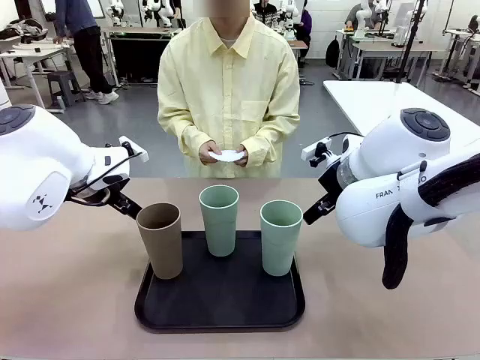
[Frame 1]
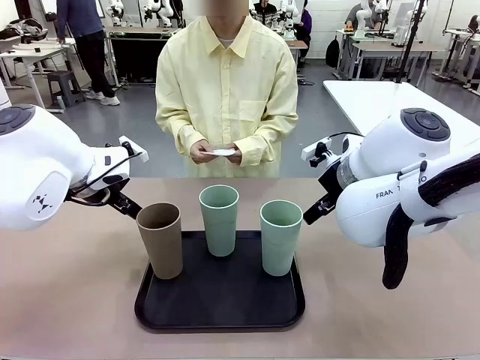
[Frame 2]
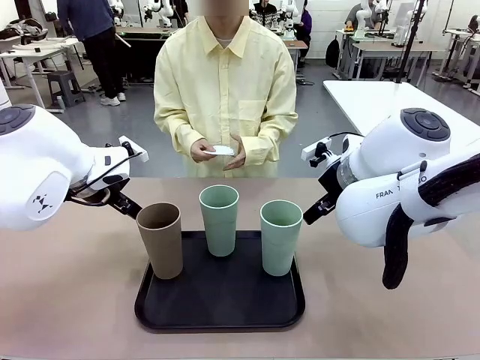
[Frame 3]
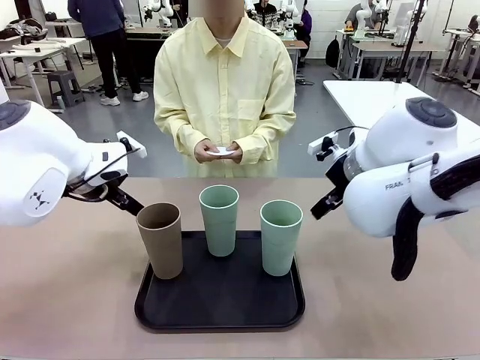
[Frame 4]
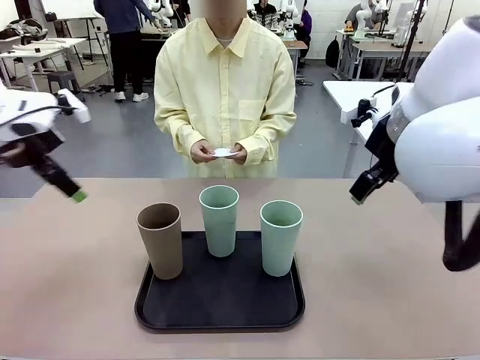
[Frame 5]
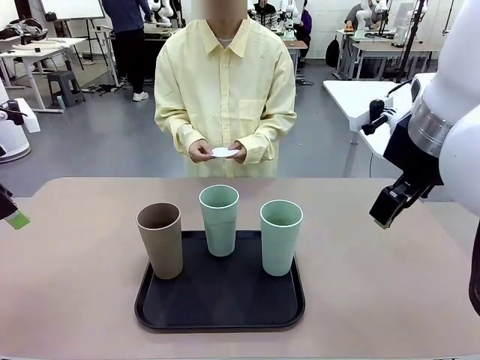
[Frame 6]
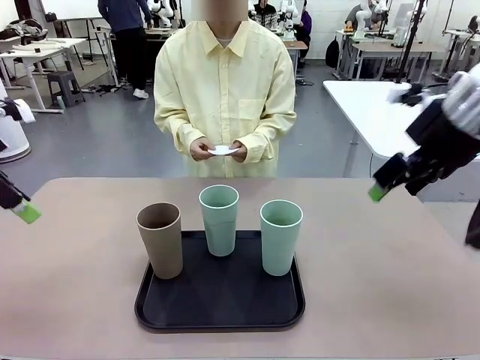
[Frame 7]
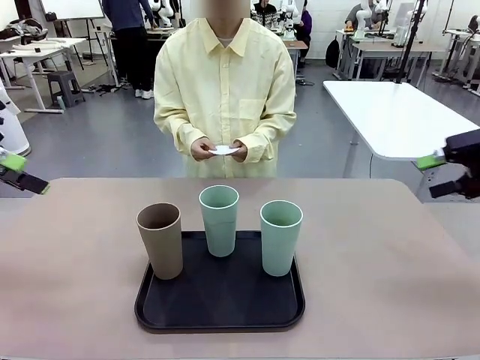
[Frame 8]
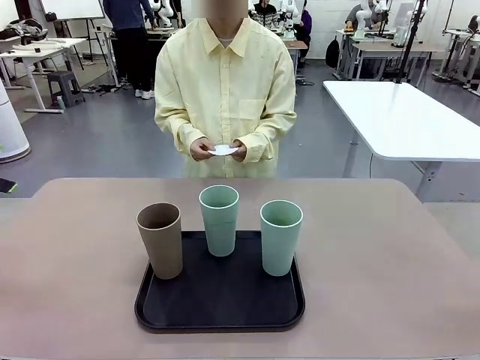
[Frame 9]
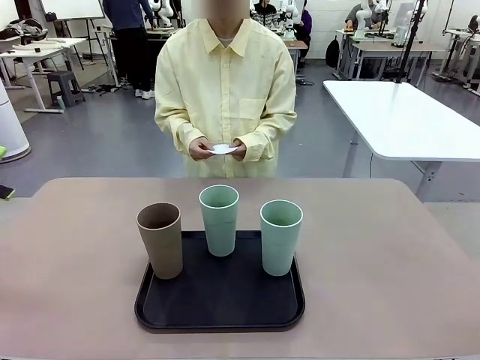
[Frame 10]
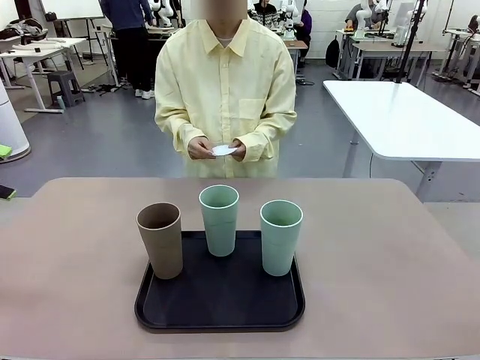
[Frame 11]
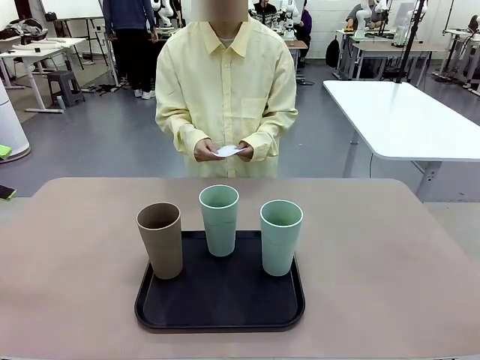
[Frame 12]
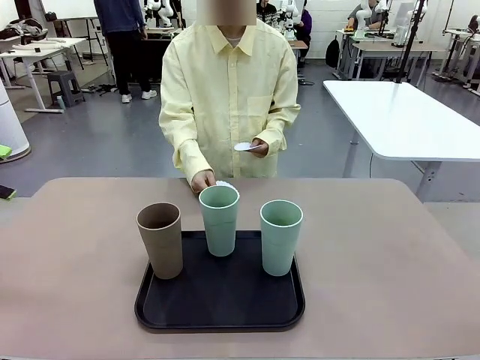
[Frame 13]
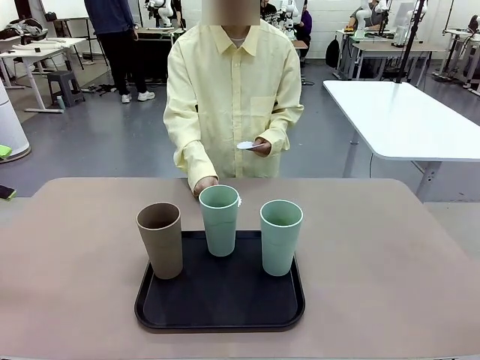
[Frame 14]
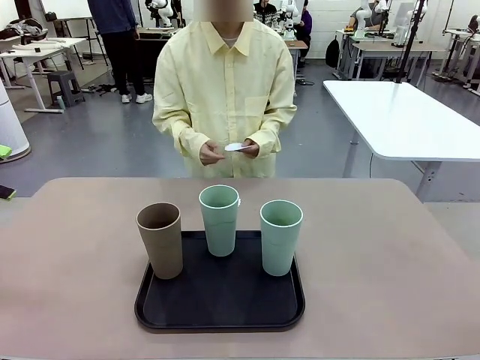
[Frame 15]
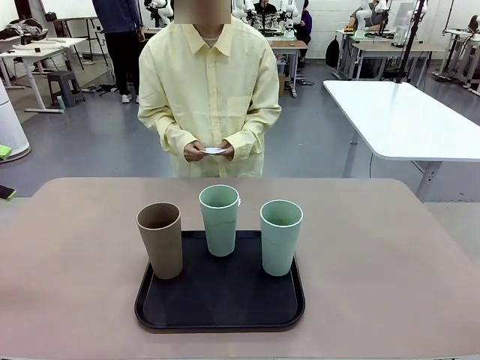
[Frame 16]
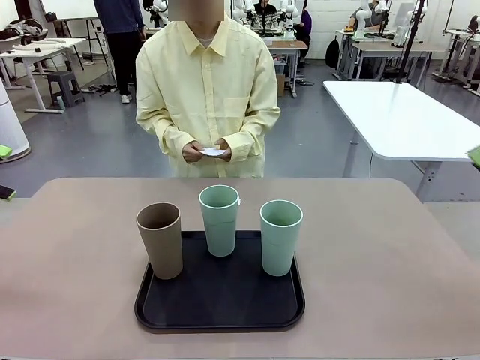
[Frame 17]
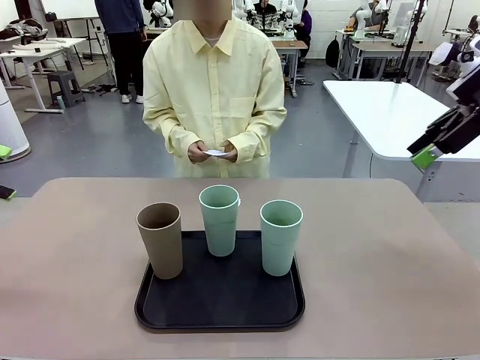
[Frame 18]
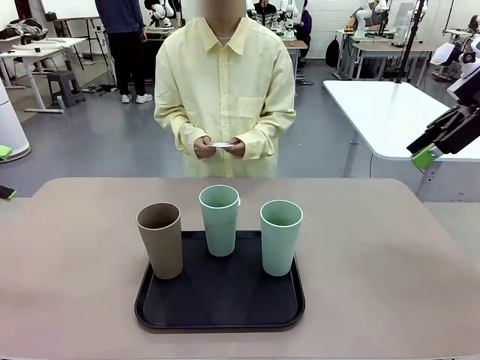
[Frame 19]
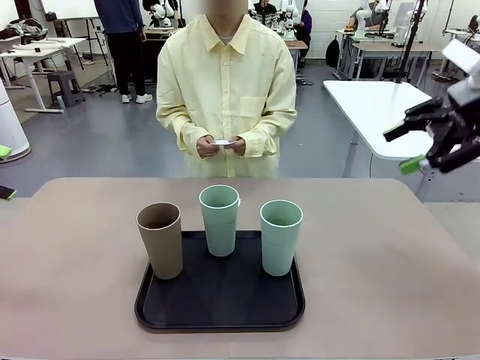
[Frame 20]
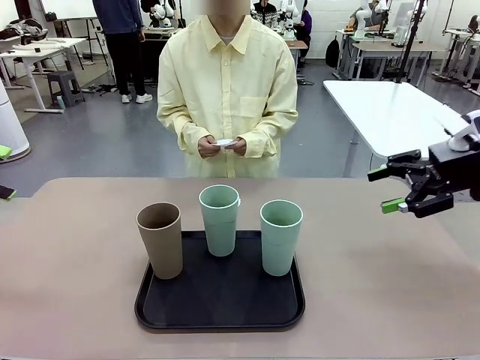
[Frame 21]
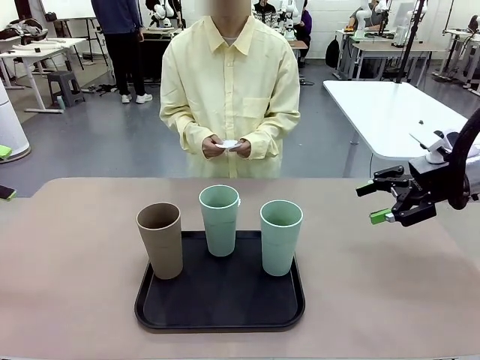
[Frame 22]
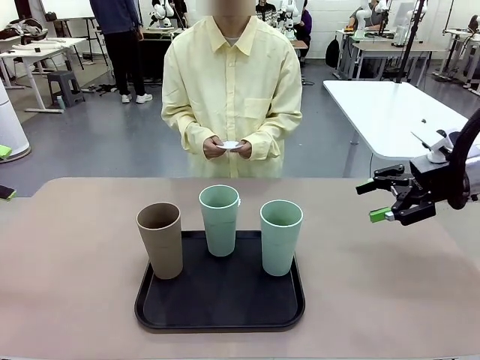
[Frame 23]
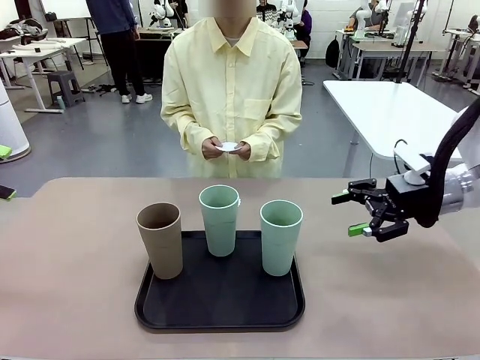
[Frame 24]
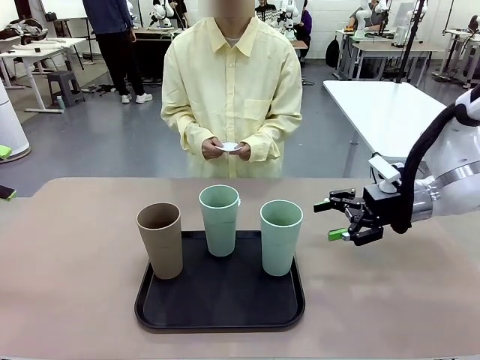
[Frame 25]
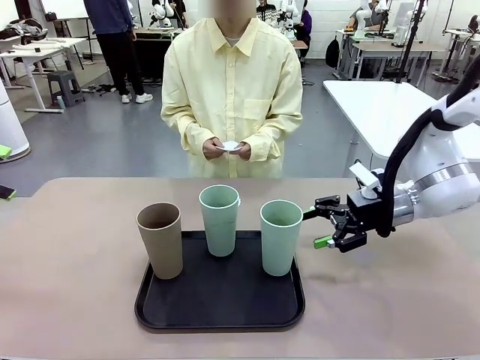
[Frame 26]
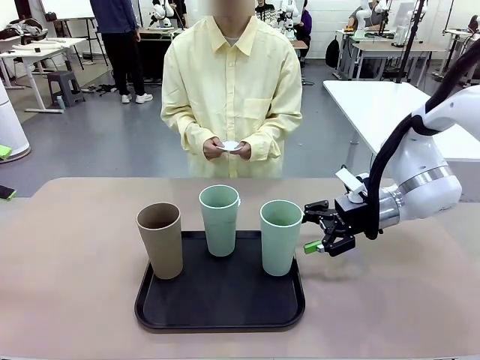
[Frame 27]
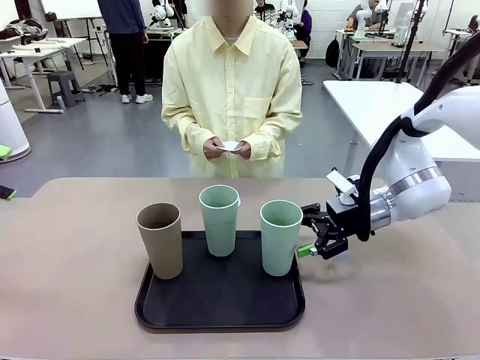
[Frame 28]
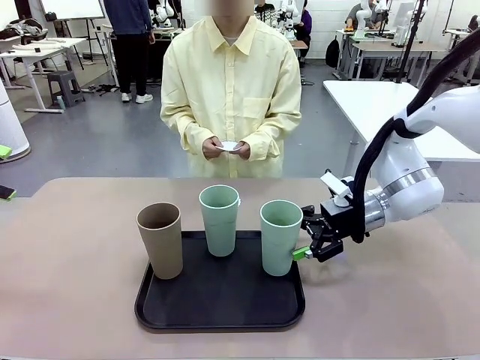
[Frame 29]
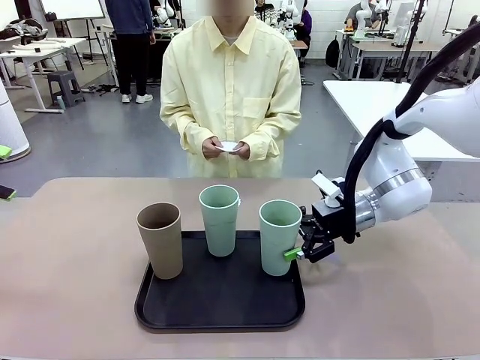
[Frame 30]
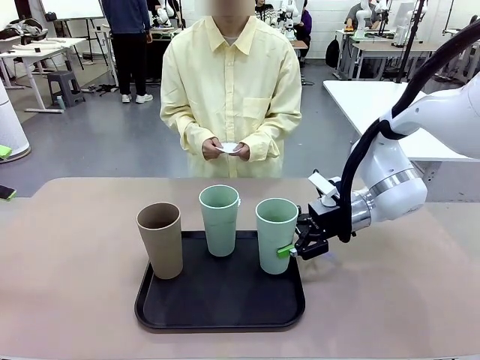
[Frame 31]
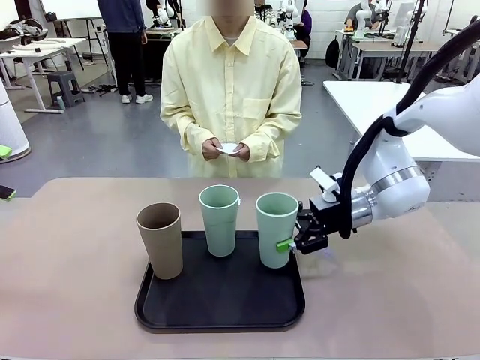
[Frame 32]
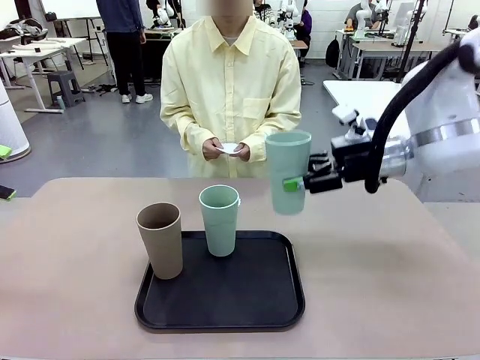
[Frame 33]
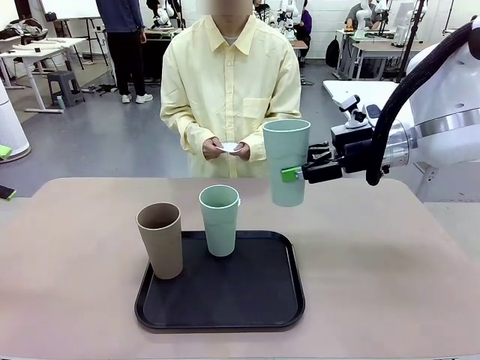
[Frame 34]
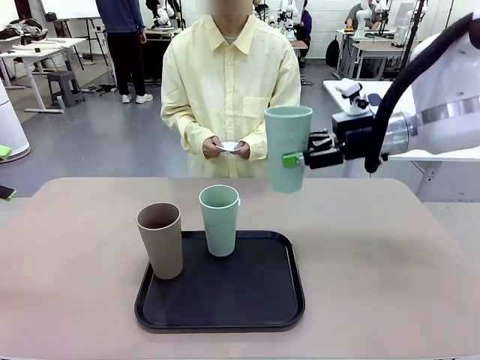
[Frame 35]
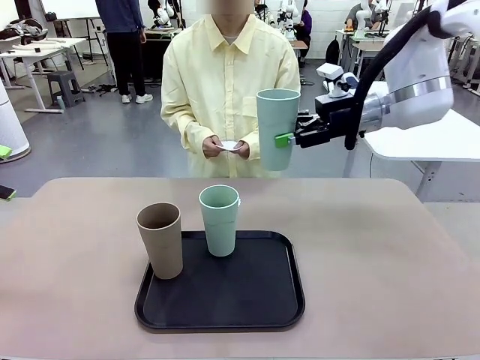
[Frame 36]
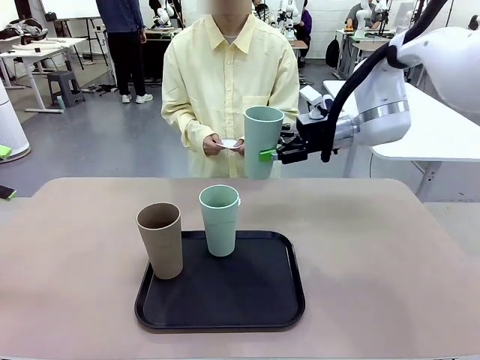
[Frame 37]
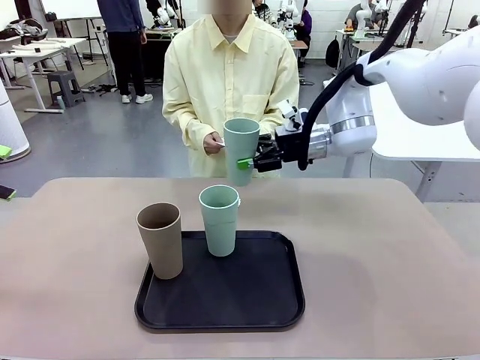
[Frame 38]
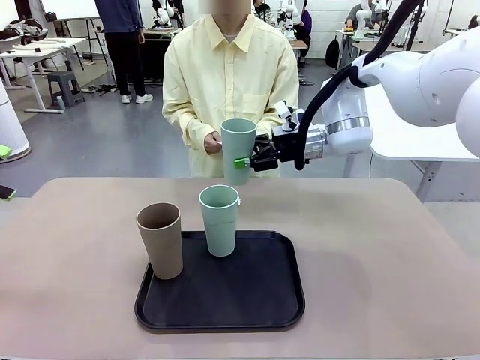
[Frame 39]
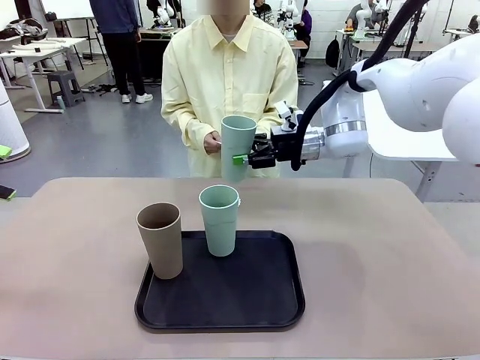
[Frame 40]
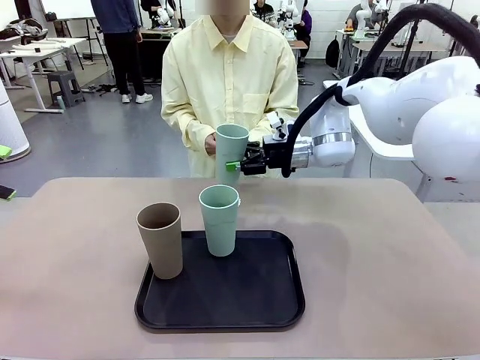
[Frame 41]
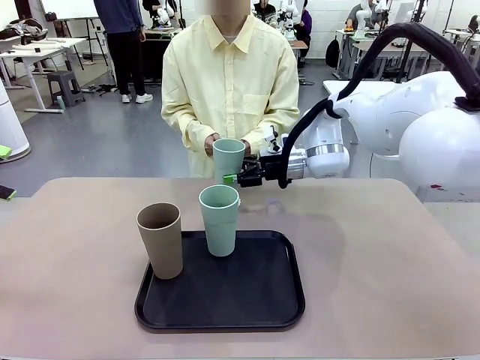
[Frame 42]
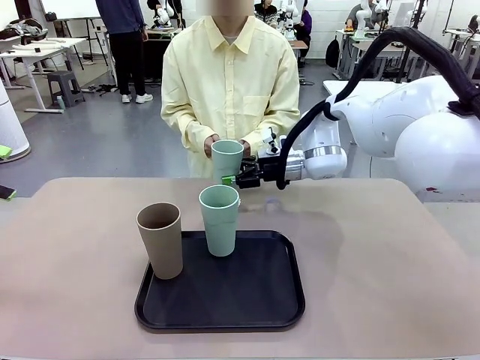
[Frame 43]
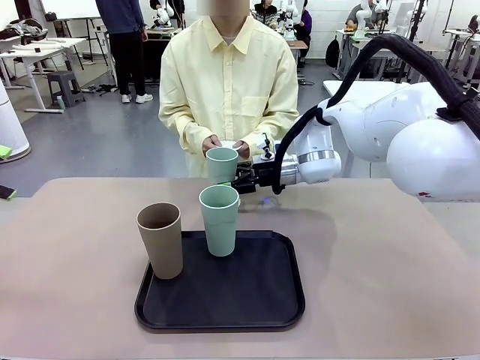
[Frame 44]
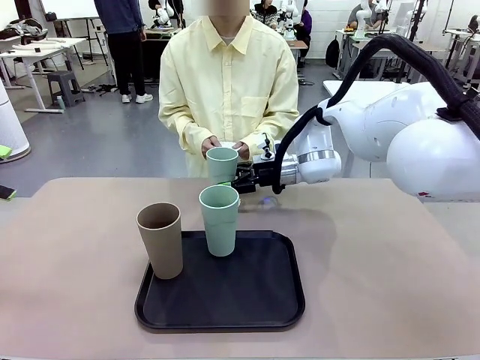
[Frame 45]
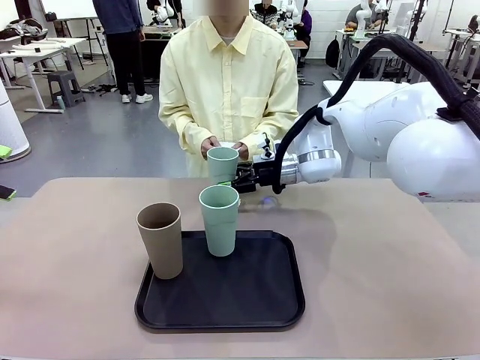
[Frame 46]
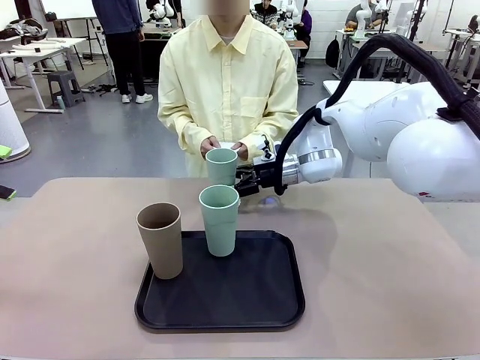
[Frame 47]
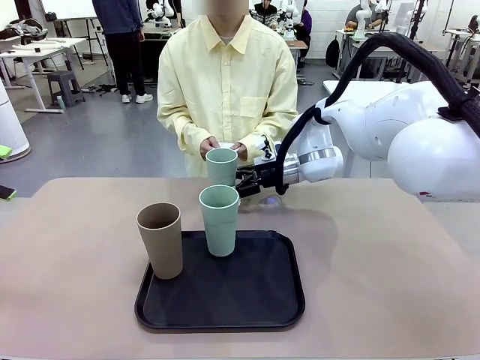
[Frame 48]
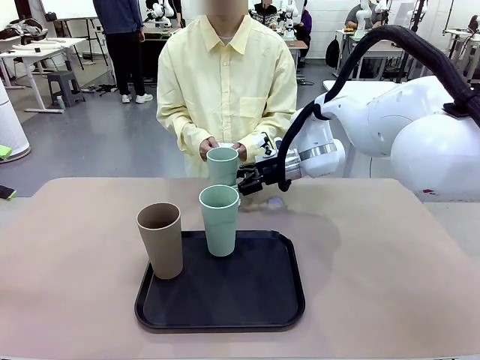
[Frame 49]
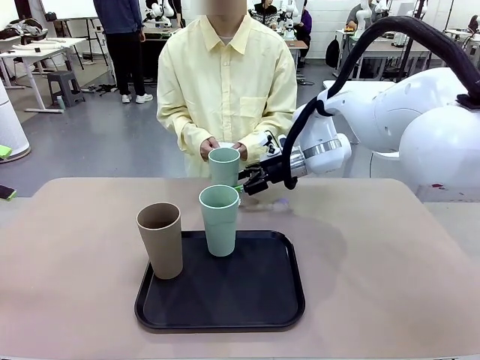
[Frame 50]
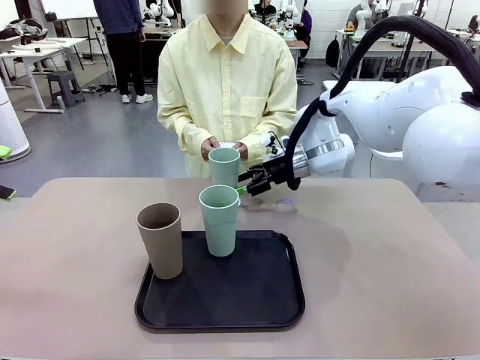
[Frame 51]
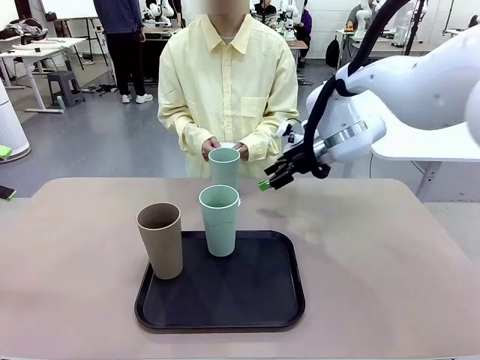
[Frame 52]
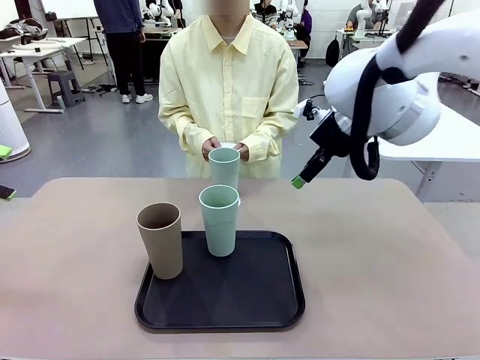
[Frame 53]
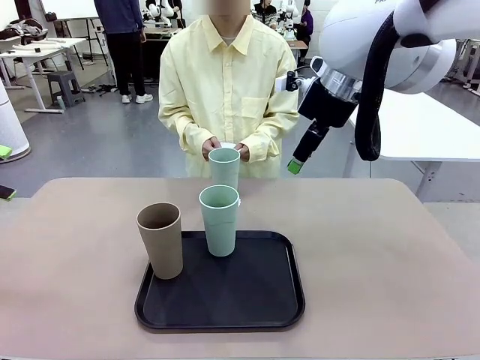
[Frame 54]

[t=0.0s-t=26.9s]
Task: Place coasters on the table and set cups on them.
Robot: Pick up one Reusable plastic cup and place it on a coaster set by the human.
Person: Place one coaster in any one of the three lower areas of the robot table (left, center, or right). Place one coaster in one of the two areas excluding the previously selected area.
